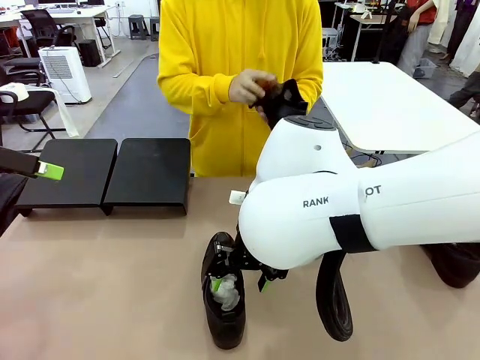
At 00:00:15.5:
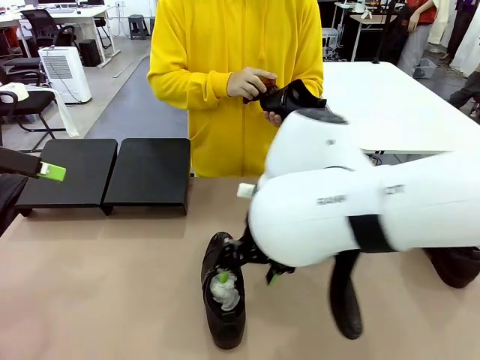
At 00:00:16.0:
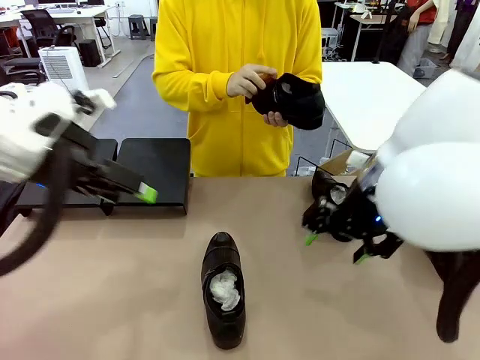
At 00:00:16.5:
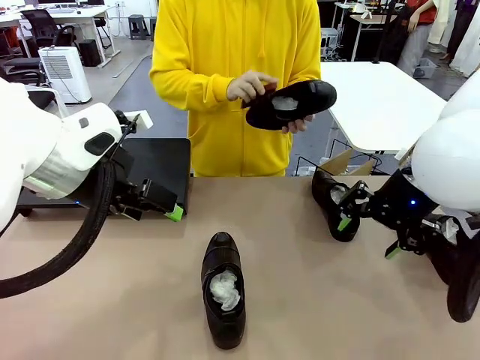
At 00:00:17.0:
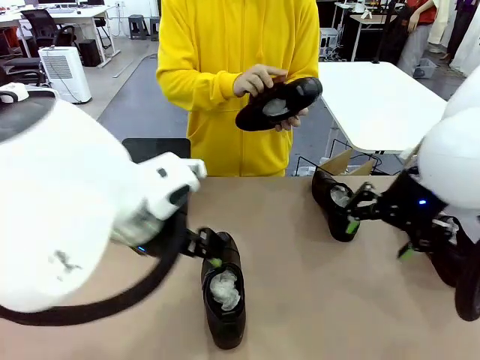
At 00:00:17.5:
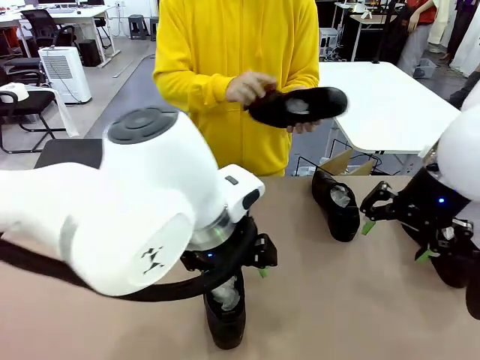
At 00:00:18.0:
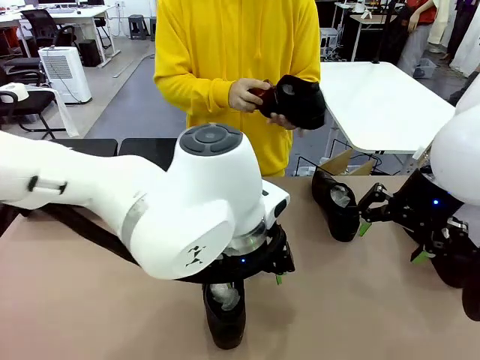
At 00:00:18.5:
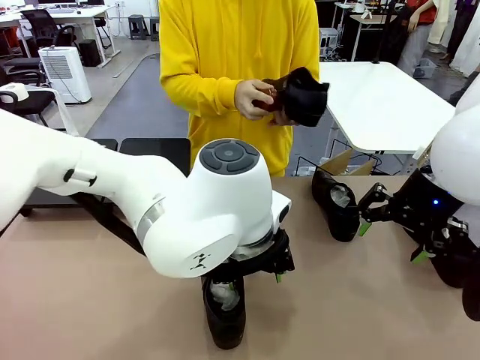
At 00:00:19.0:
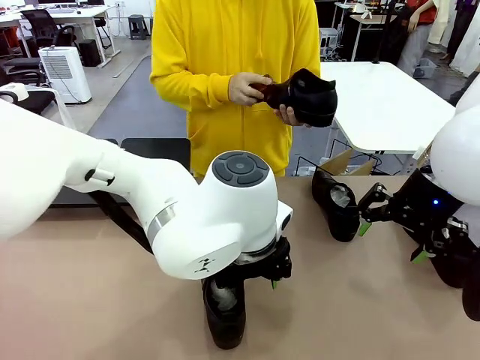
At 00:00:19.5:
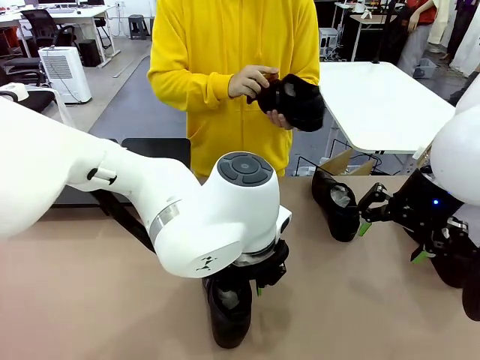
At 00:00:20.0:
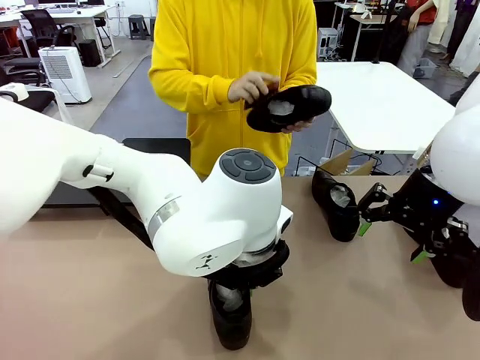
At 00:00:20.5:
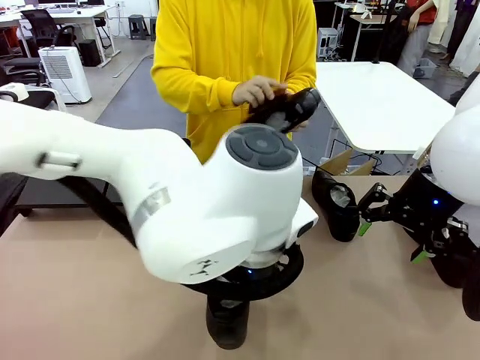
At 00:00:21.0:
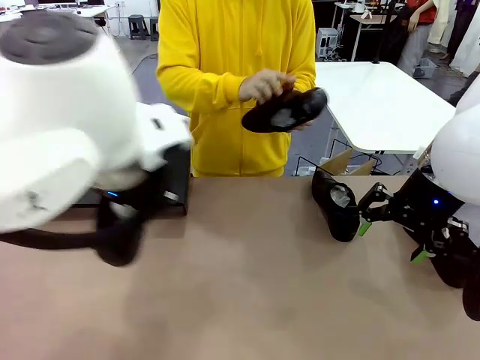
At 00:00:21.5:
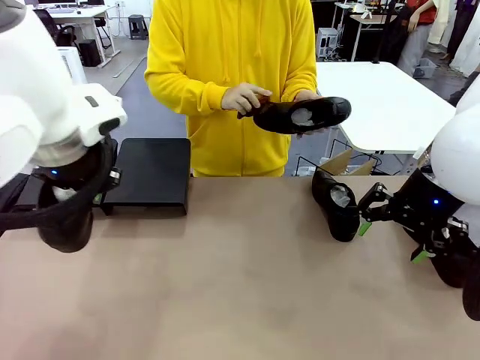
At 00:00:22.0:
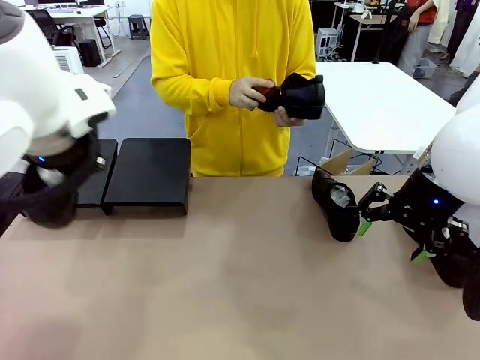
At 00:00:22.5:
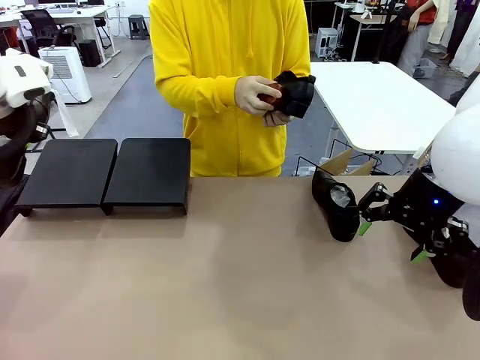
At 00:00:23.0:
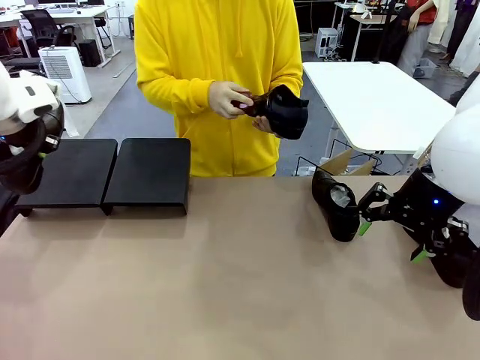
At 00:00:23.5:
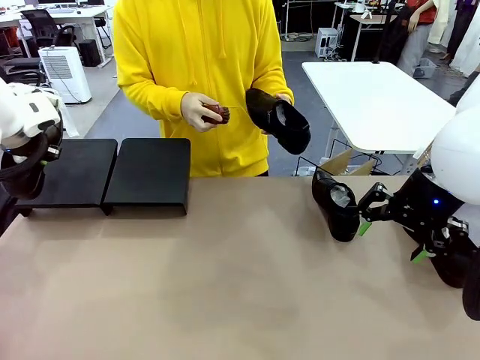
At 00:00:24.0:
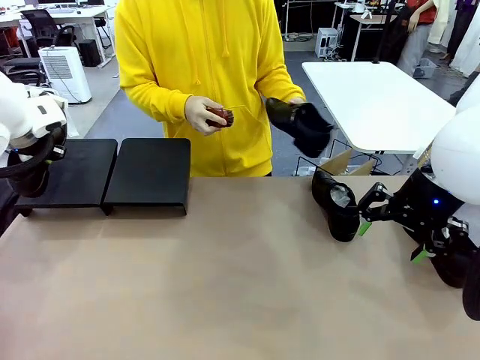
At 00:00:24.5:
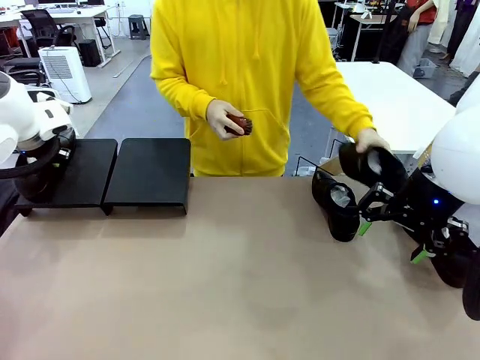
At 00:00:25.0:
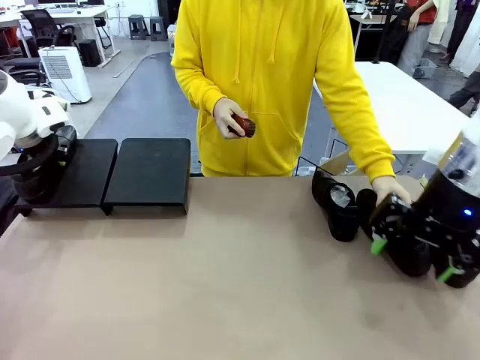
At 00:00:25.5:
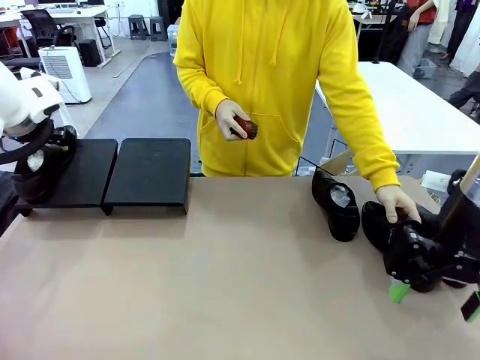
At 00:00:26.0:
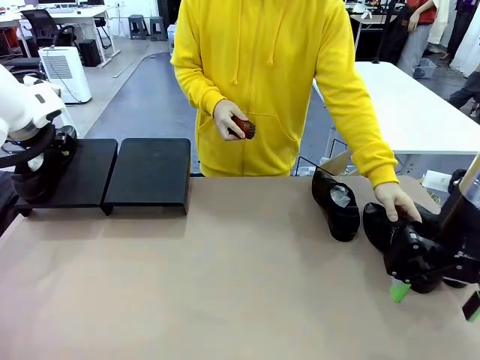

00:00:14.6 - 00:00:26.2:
Task: Organize the shoes by placing them on the stand.
Robot: Place the Shoe from the middle of the table onto the Shoes Stand.
Person: Place the Shoe on left side of the Robot's table.

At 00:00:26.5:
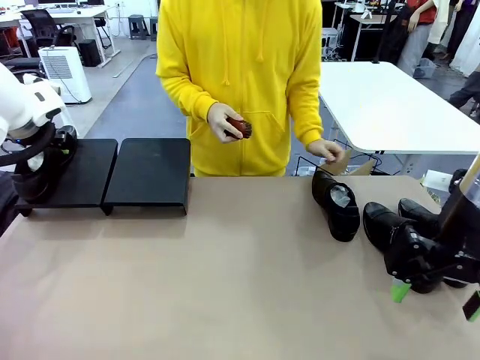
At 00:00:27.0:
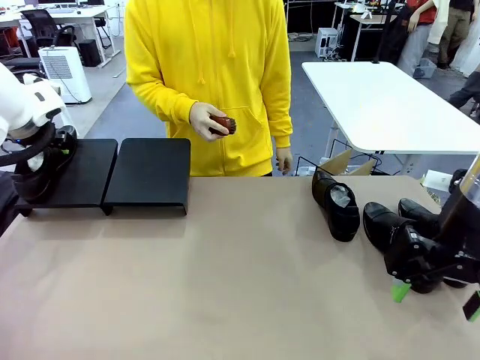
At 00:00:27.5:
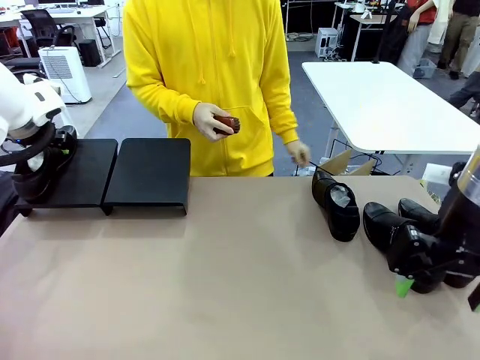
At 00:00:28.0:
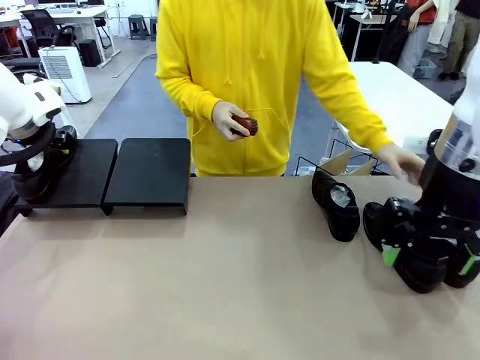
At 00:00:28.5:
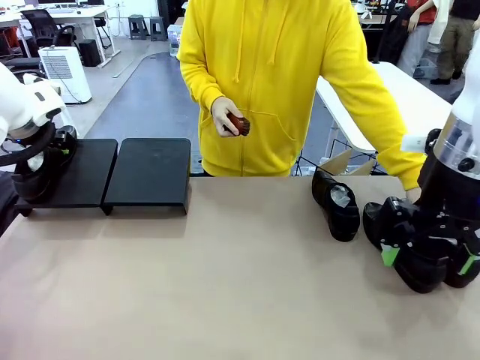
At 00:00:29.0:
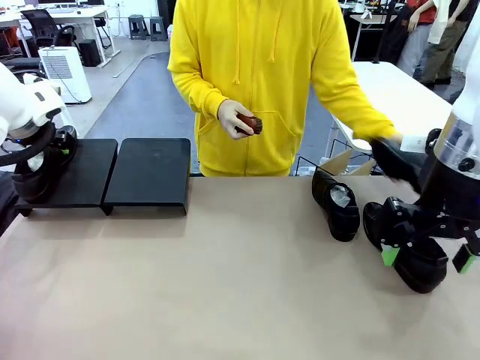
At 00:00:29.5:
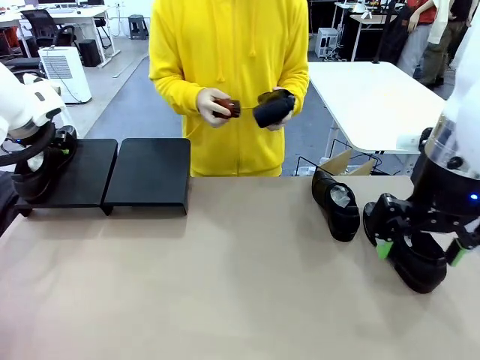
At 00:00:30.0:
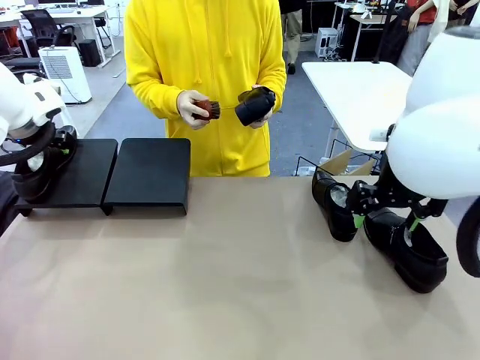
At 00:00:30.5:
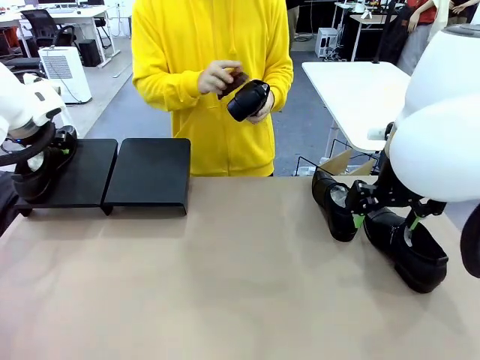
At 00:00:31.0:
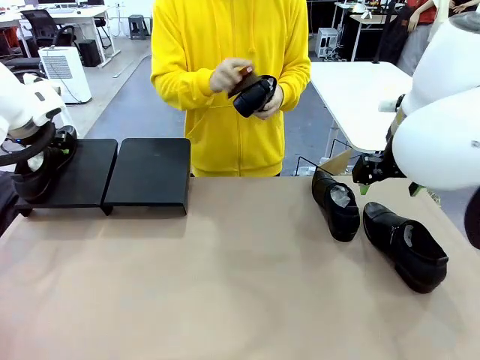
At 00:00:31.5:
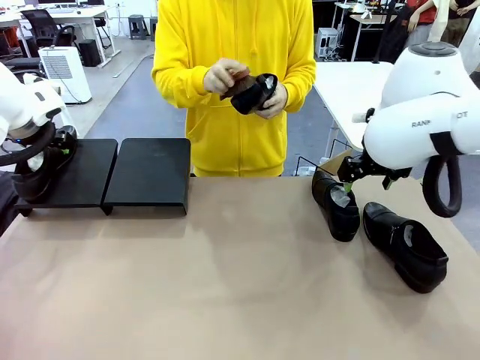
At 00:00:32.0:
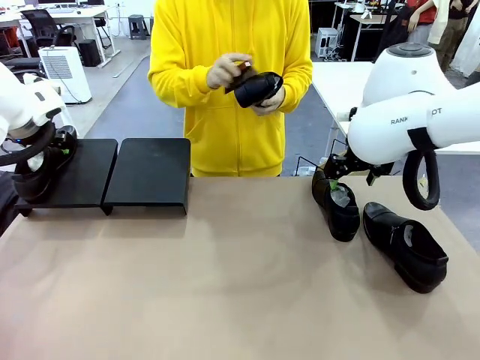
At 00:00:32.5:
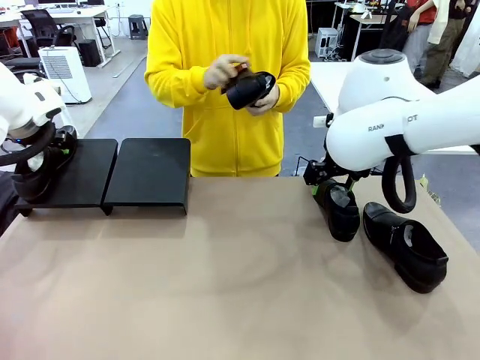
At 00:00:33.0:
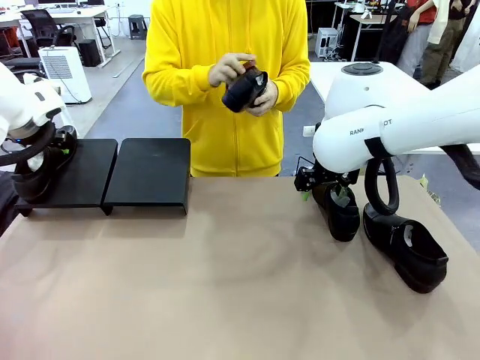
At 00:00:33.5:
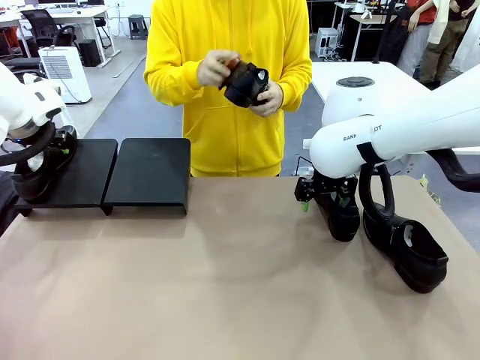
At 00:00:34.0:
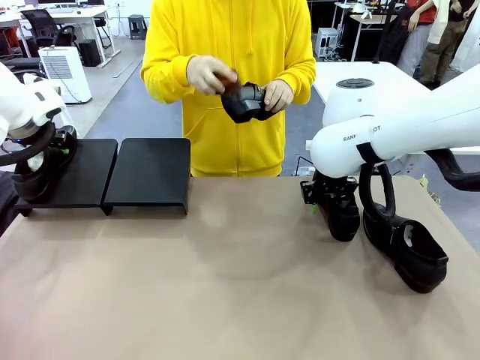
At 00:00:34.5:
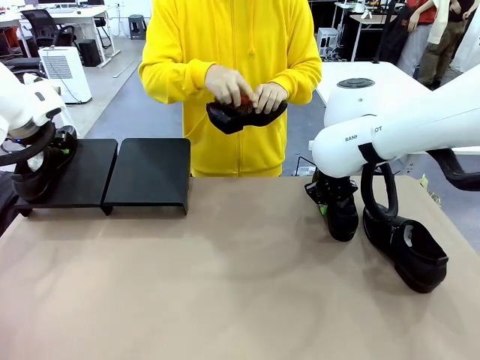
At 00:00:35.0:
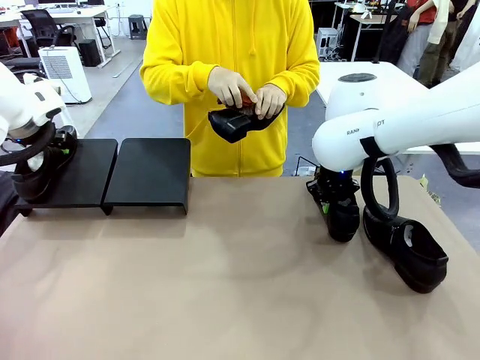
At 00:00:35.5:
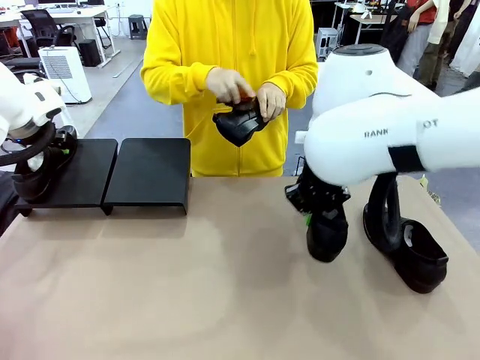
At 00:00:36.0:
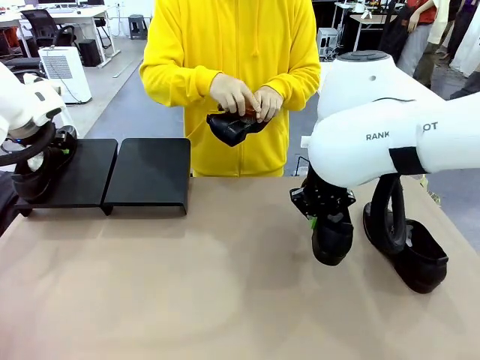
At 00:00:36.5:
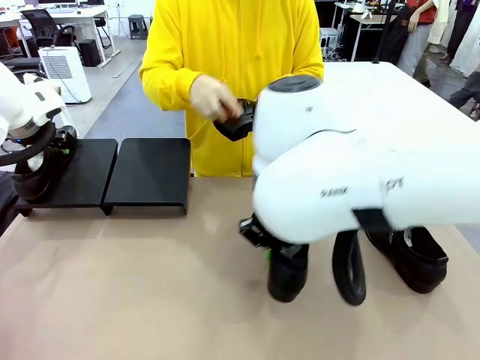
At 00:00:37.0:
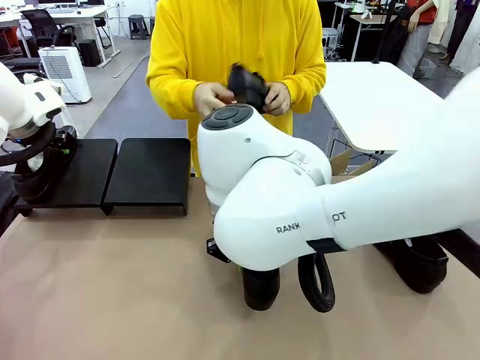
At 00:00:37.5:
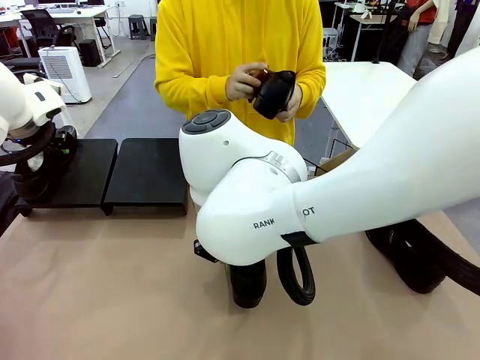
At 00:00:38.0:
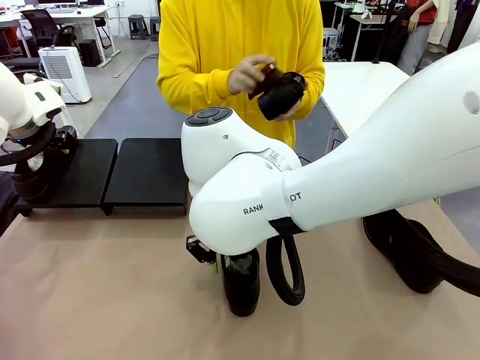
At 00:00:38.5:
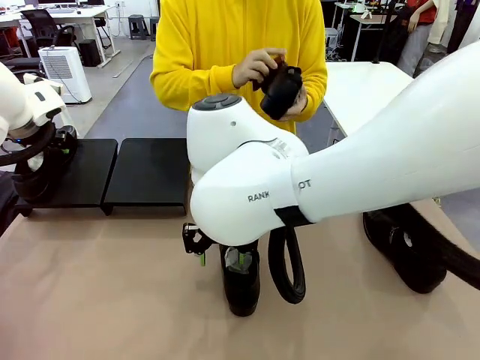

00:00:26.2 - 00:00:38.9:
Robot: Pick up one Shoe and place it in the middle of the table.
Person: Pick one Shoe on Robot's table. Clean the Shoe with the Shoe Brush.

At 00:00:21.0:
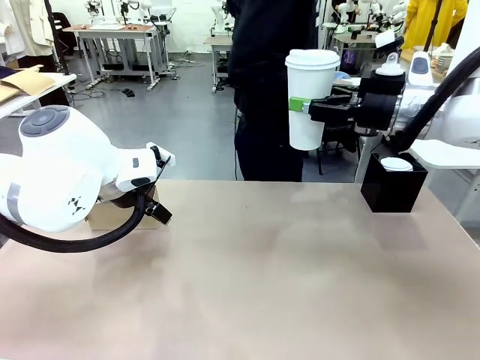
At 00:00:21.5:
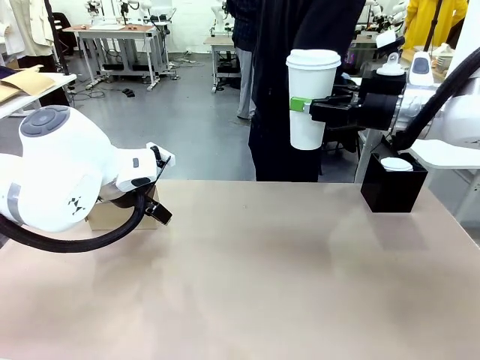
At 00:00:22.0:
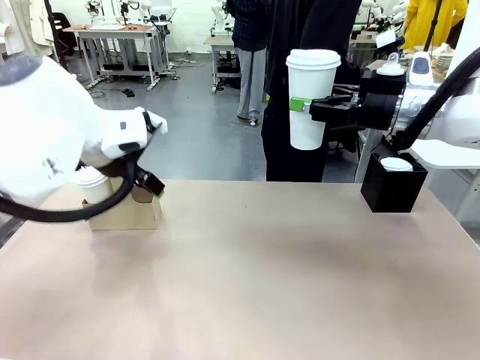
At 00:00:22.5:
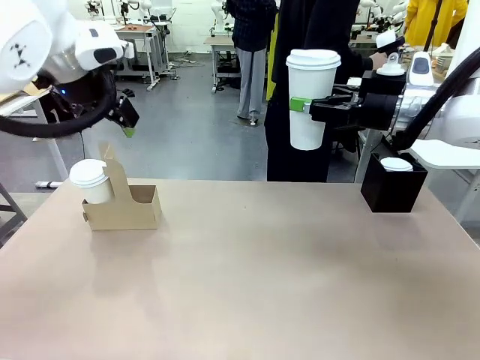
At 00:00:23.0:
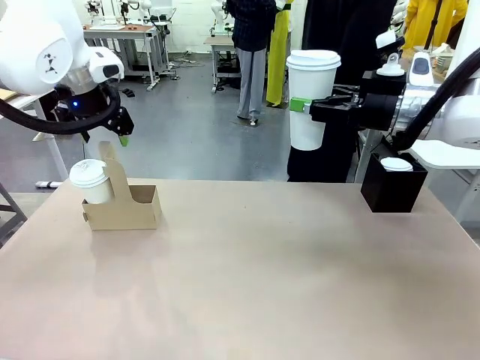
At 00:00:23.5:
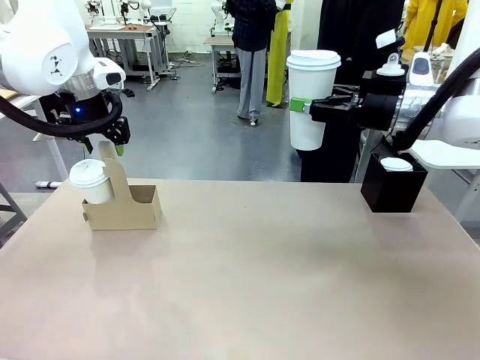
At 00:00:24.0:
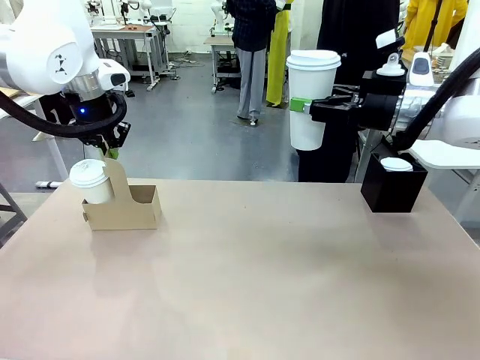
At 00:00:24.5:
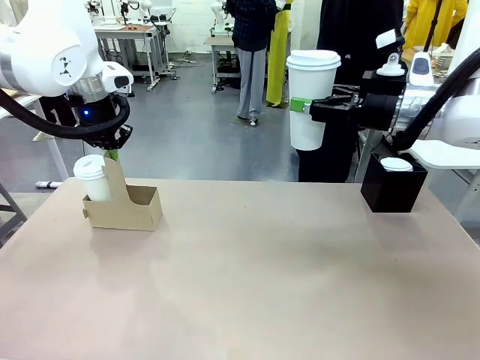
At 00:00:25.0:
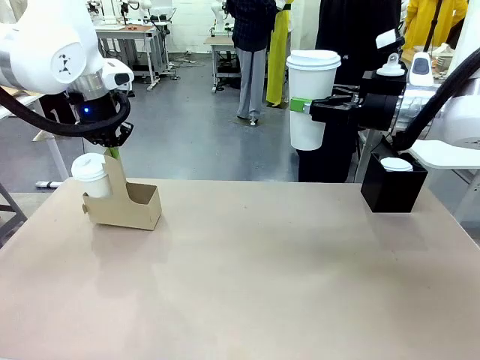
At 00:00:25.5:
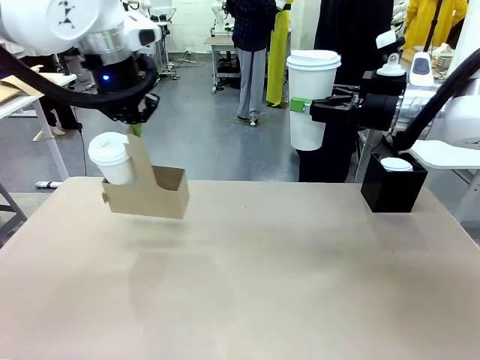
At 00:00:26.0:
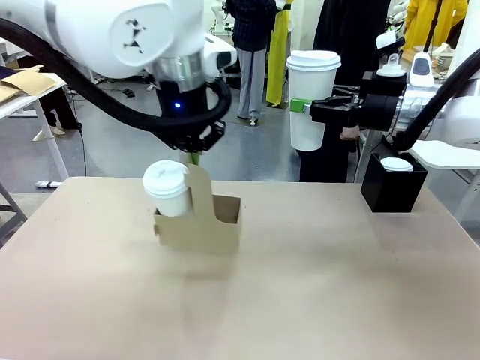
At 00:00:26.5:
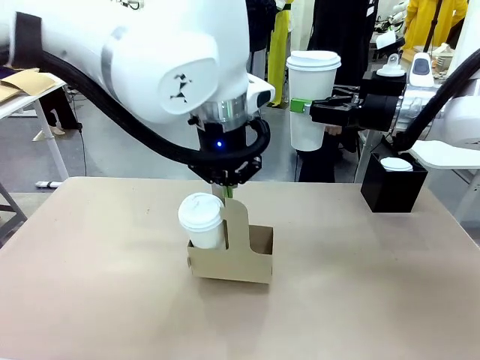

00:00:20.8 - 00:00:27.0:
Task: Pour a drink into a cup and package it in a carrier.
Robot: Position the Cup Carrier in the center of the table.
Person: Pick up the Filter Brewing and place on the middle of Human table, and return to the Robot table.
